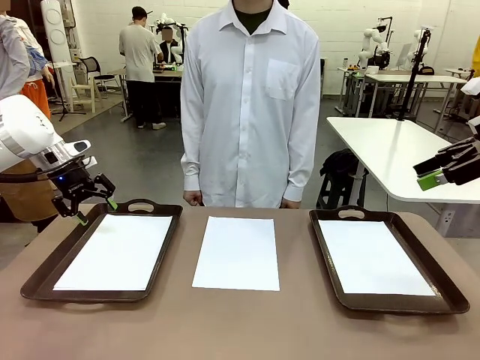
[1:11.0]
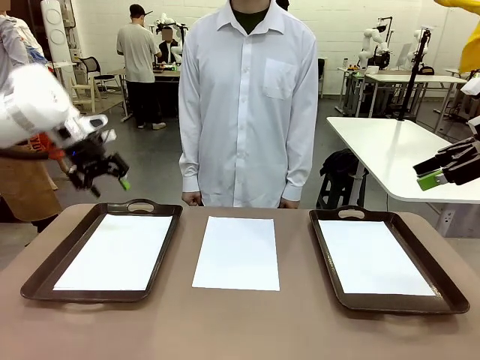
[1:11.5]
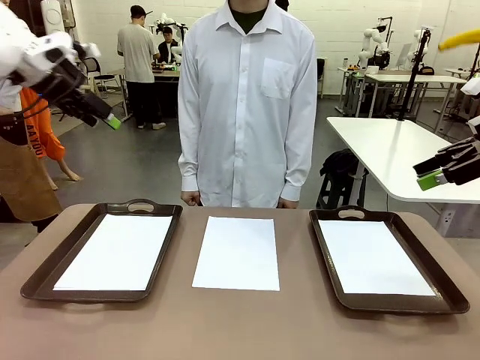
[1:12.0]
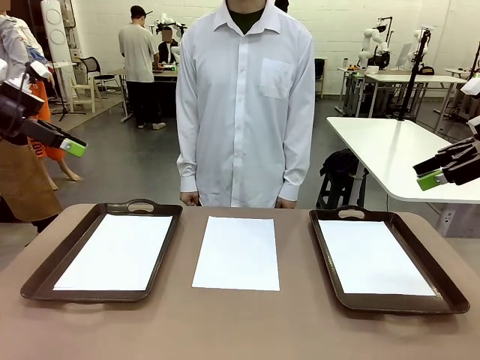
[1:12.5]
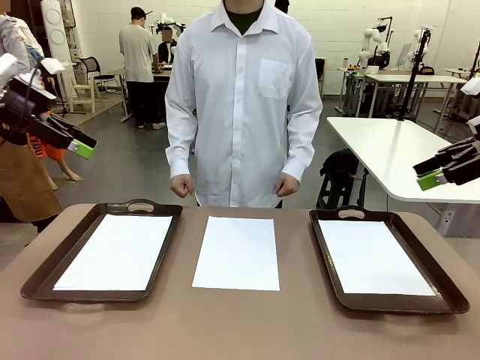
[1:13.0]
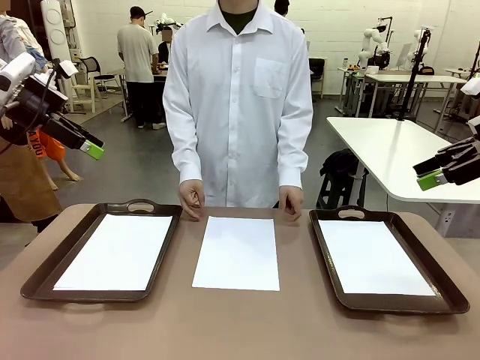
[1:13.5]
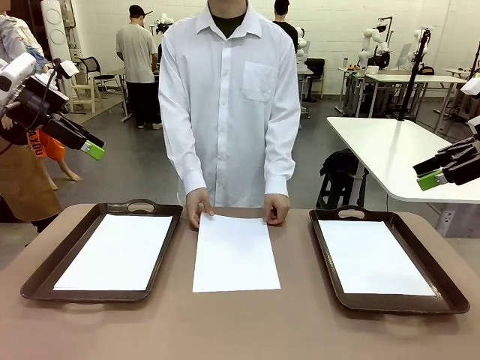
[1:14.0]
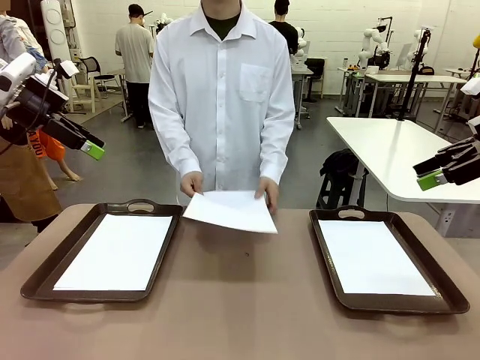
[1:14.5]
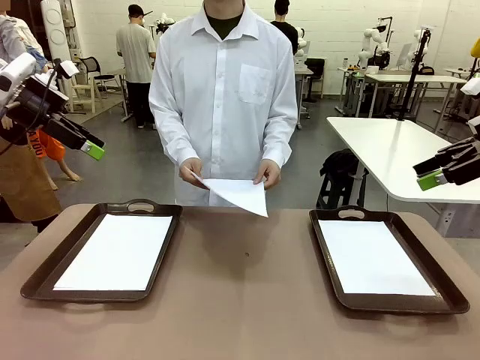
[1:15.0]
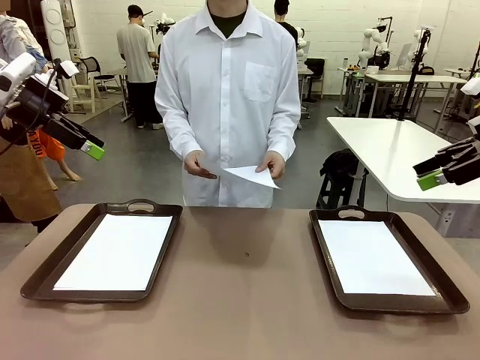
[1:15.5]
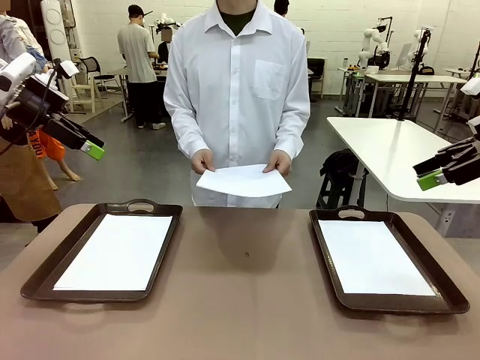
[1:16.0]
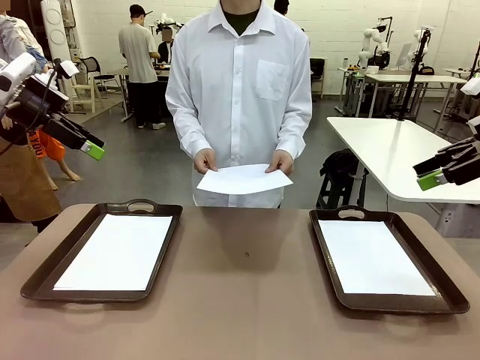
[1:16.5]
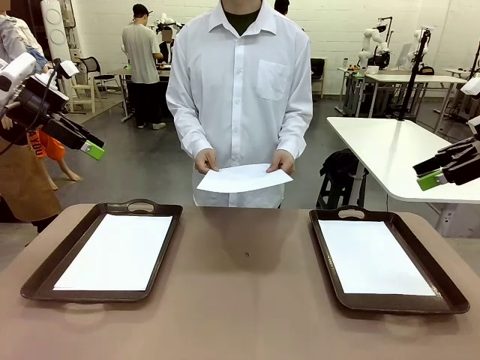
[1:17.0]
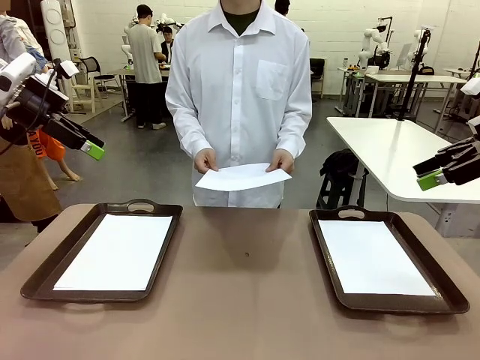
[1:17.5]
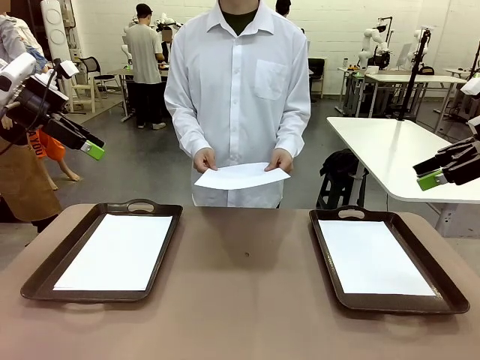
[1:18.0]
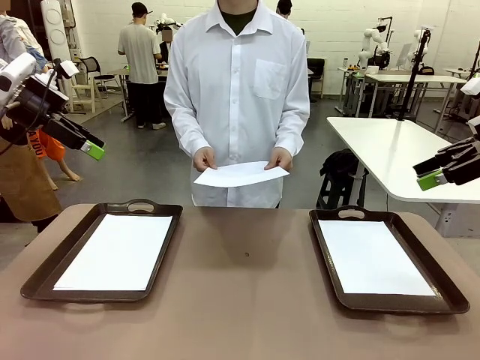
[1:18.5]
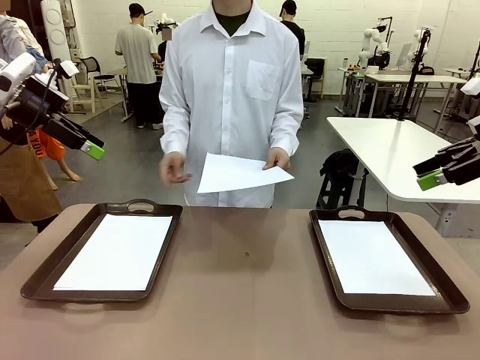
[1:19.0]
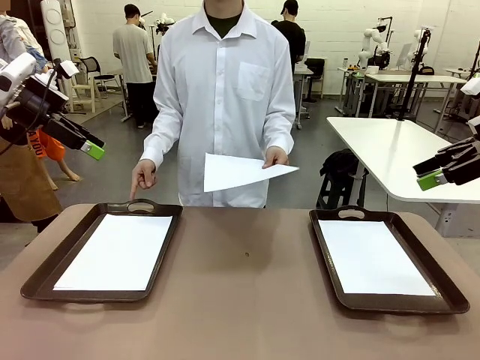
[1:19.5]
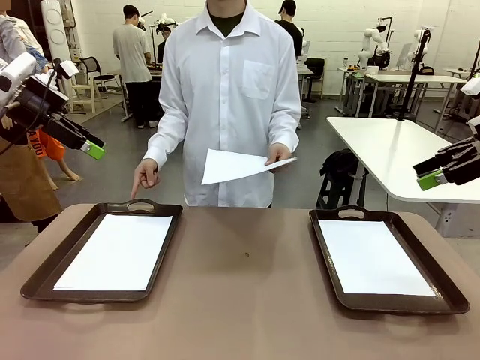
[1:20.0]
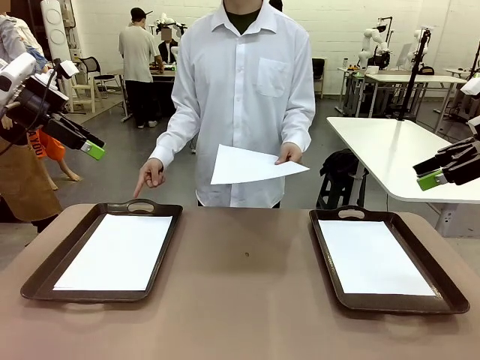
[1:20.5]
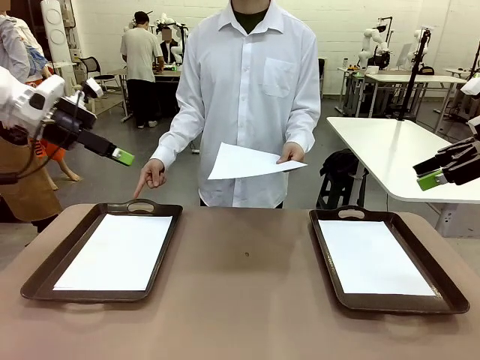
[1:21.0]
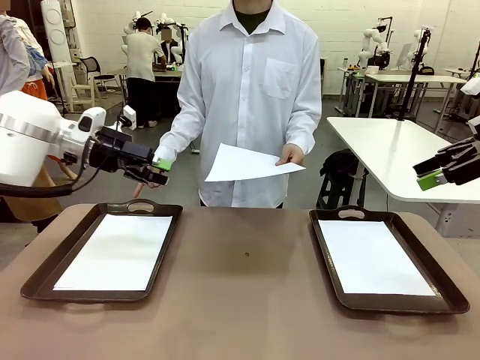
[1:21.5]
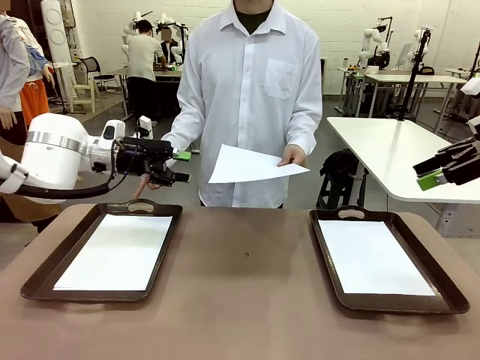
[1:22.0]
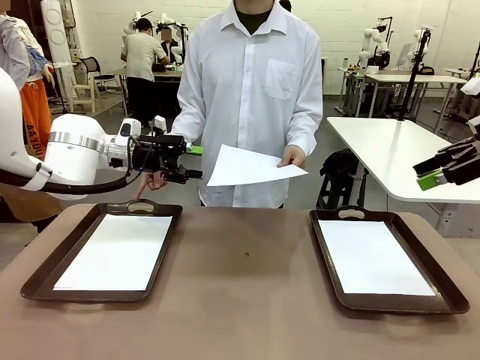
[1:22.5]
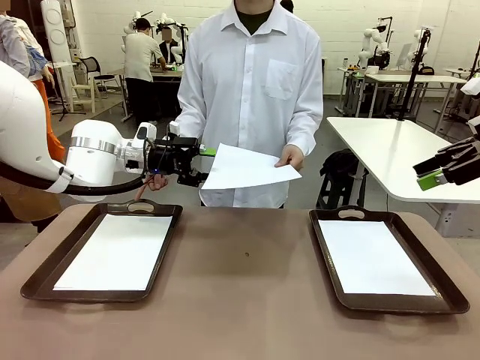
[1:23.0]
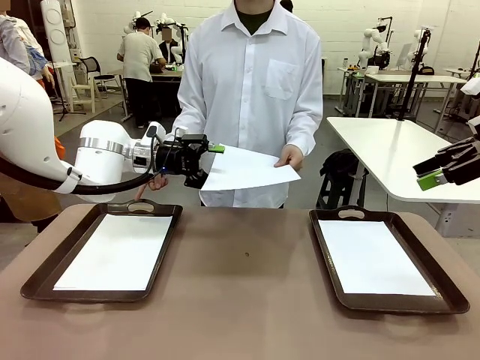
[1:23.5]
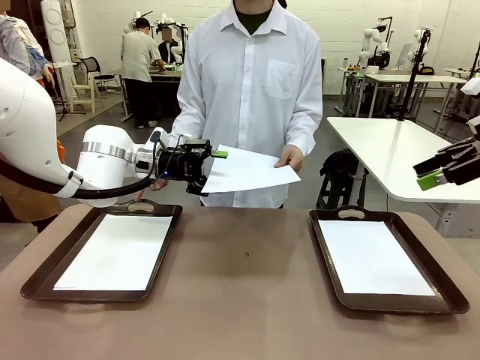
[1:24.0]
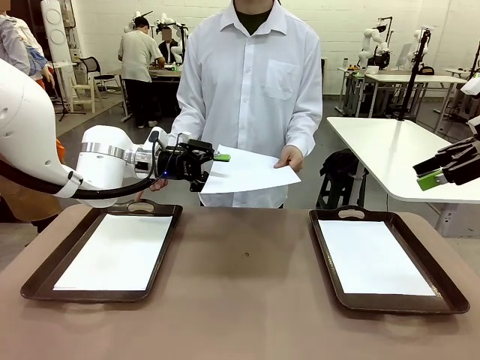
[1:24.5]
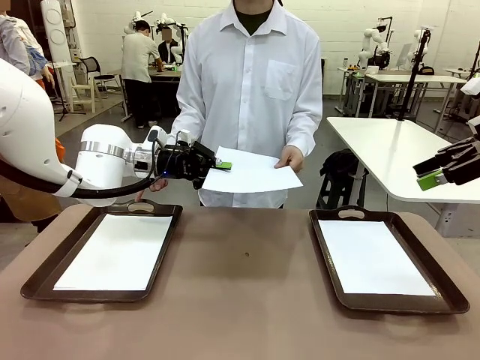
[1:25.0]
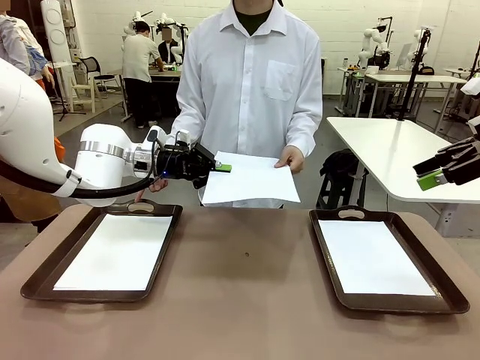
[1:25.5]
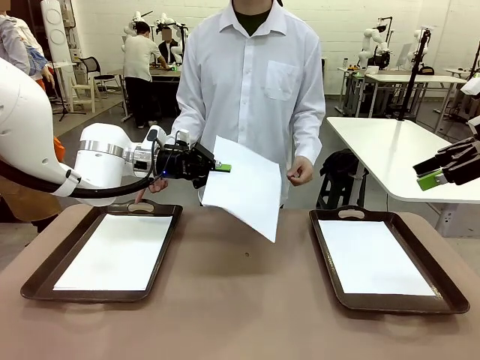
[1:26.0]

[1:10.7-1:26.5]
Task: Sort the A4 documents.
Robot: Receive the A4 Paper.
Person: Point the randomly selected tray with the other hand.

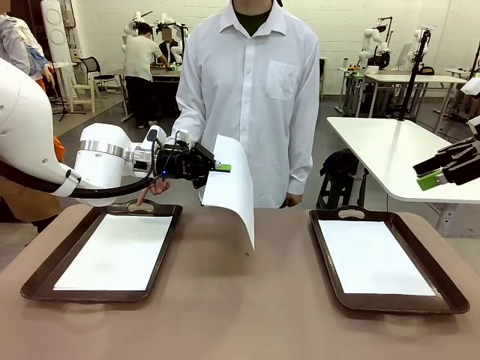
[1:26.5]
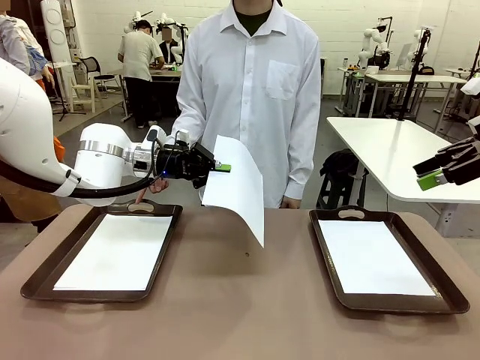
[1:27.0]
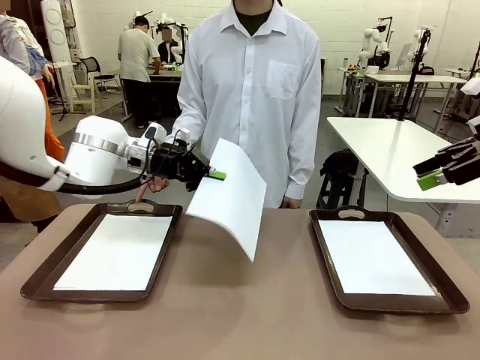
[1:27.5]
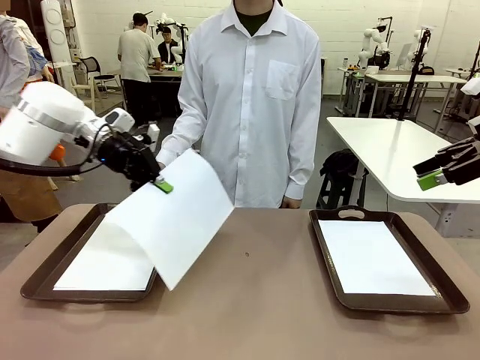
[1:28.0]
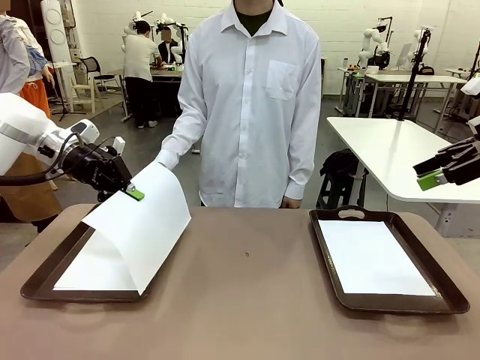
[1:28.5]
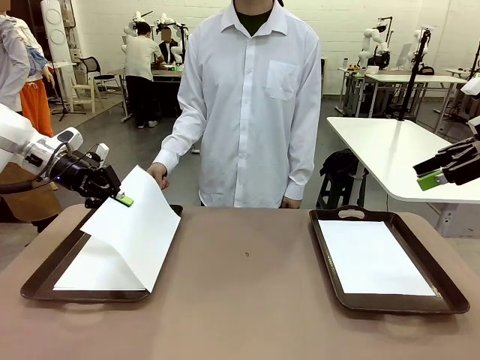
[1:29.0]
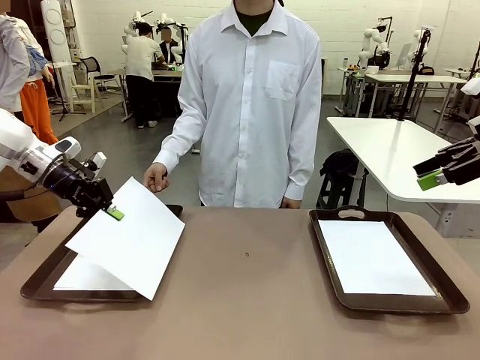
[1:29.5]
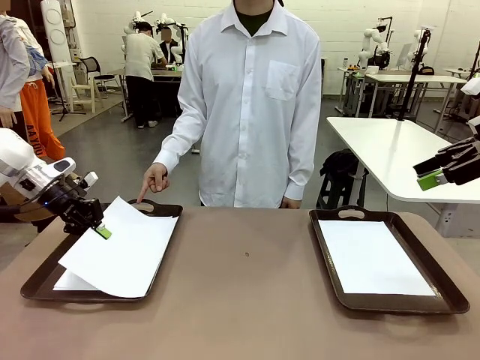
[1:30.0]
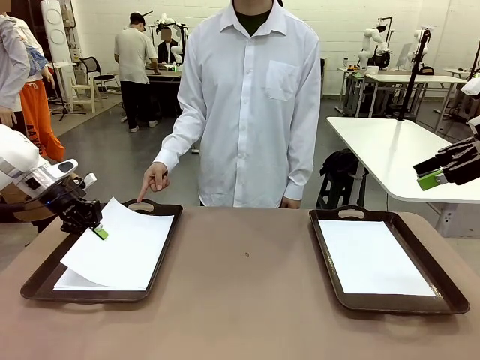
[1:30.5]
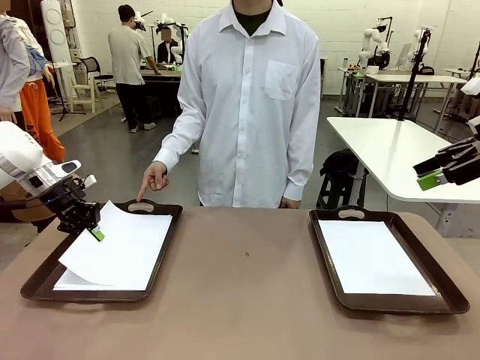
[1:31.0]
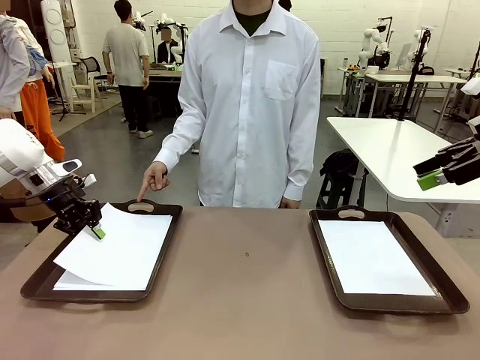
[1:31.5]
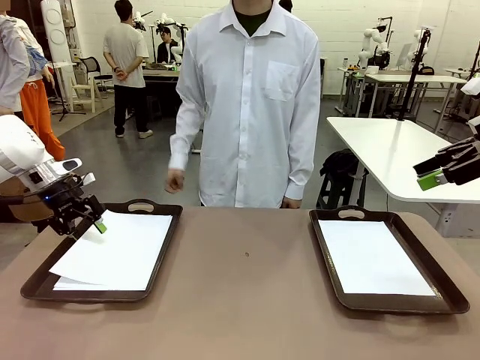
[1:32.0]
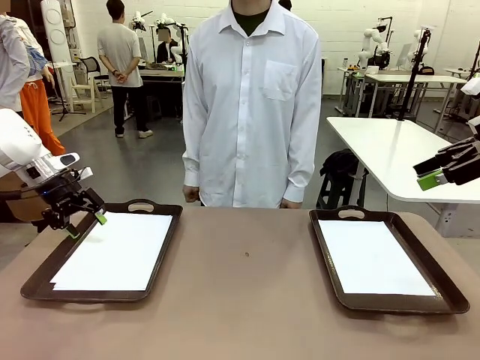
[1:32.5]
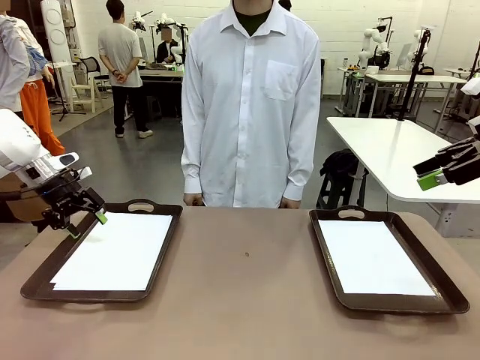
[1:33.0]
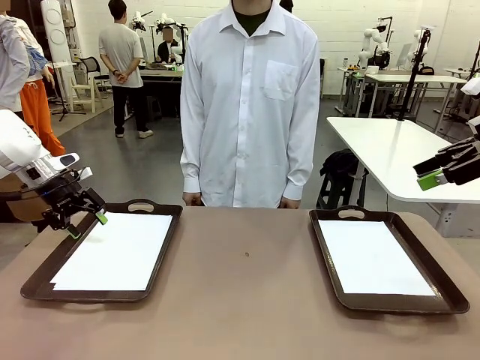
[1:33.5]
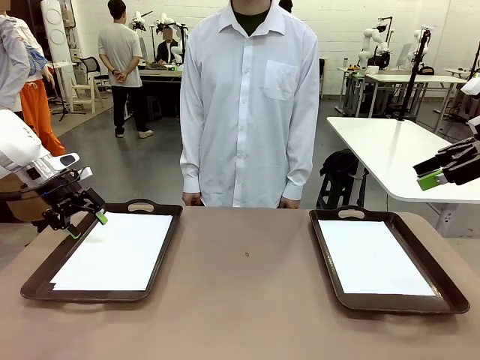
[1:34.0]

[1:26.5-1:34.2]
Robot: Place the A4 Paper in the designated Handle tray.

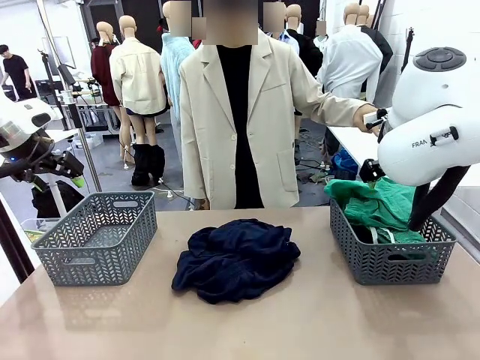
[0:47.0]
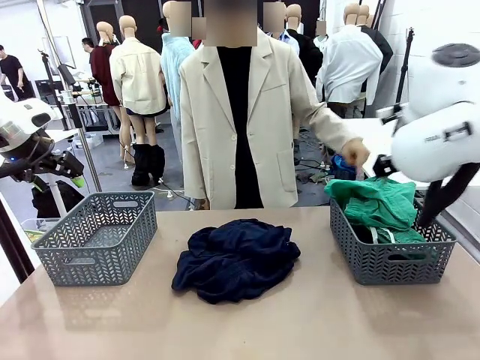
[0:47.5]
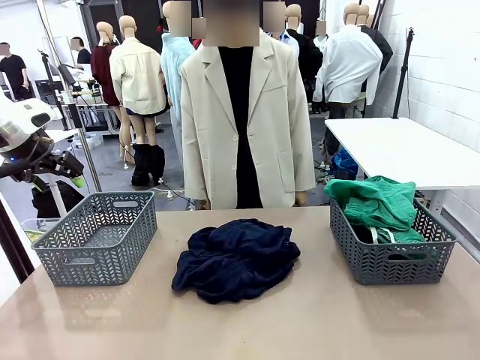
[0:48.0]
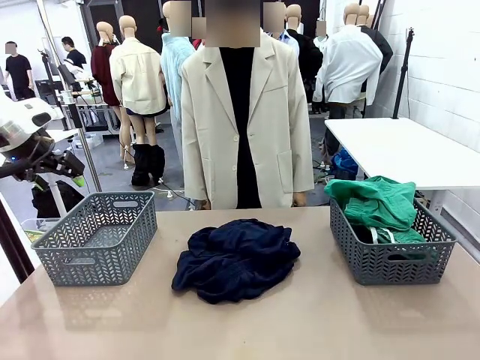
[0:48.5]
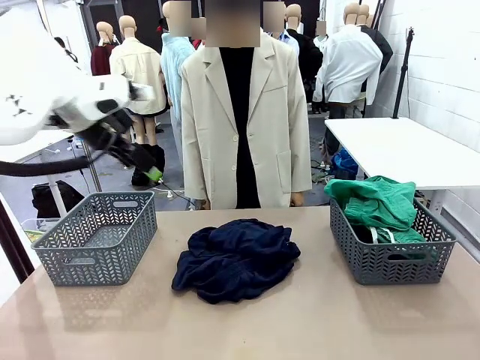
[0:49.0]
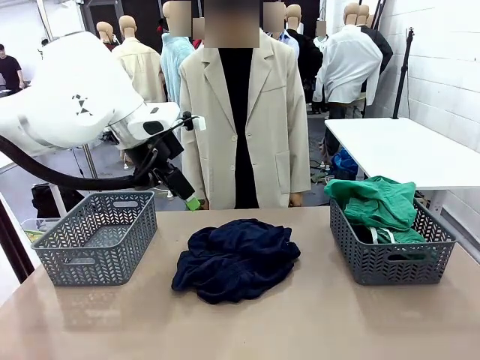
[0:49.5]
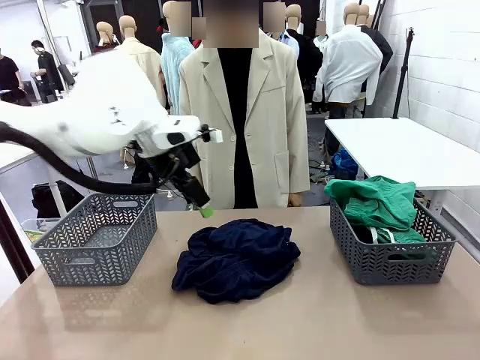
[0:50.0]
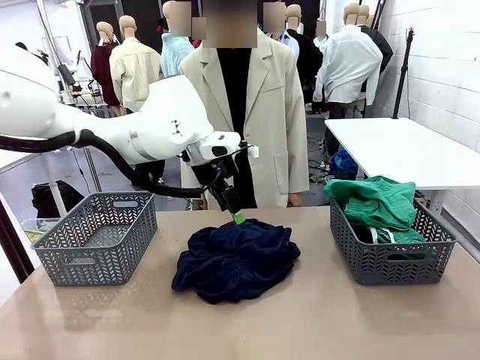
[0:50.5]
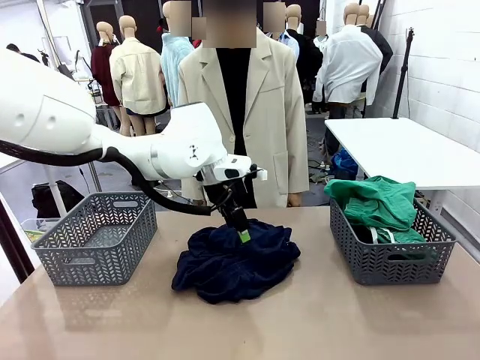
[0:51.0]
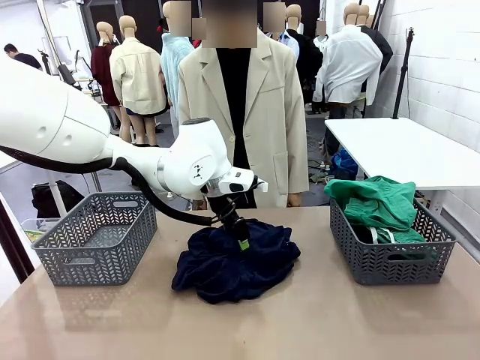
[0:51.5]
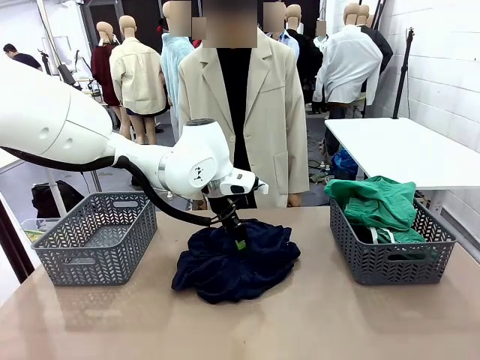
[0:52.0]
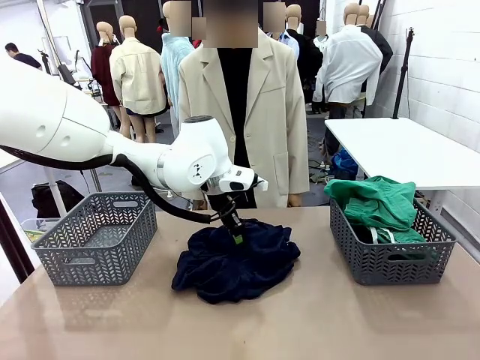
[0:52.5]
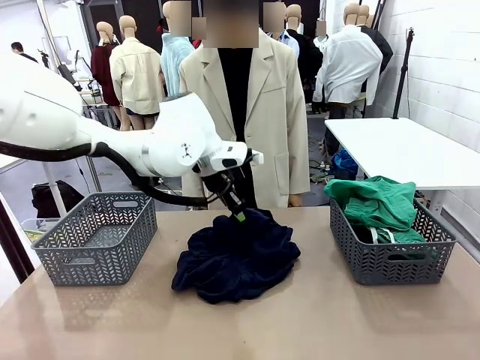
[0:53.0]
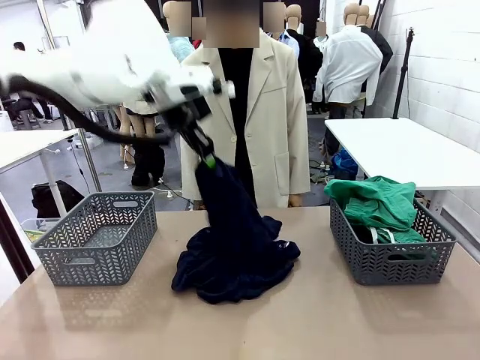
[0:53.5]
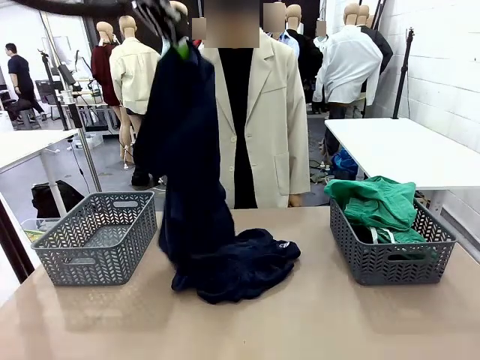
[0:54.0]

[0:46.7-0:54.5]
Task: Sort the tops and bottoms.
Robot: Lift clothes from the center of the table with your left hand.
